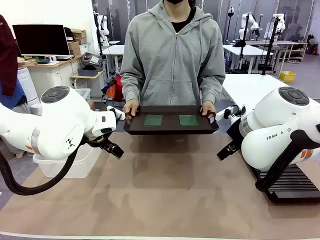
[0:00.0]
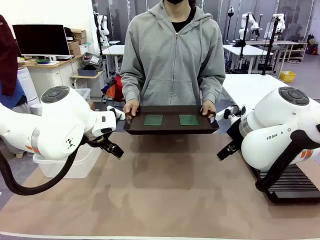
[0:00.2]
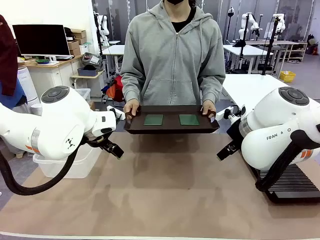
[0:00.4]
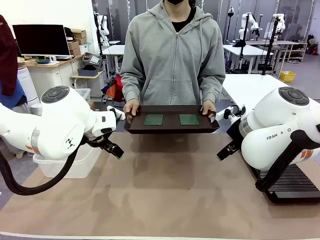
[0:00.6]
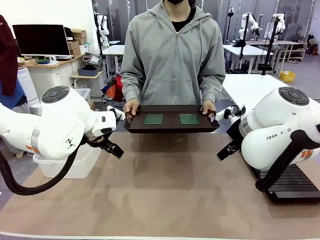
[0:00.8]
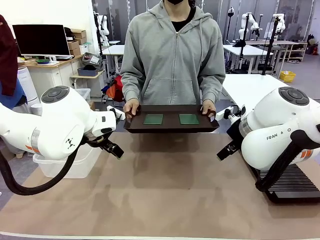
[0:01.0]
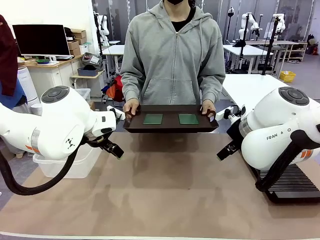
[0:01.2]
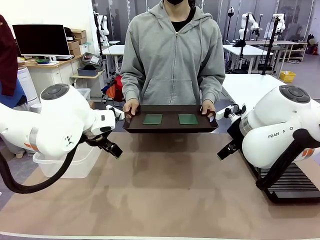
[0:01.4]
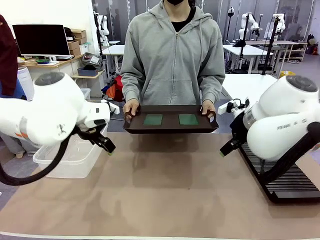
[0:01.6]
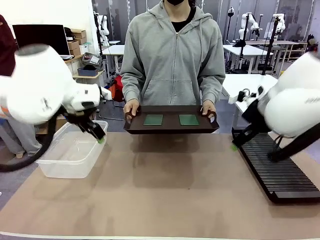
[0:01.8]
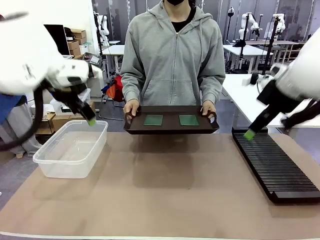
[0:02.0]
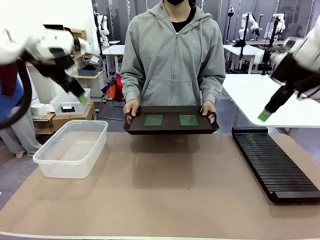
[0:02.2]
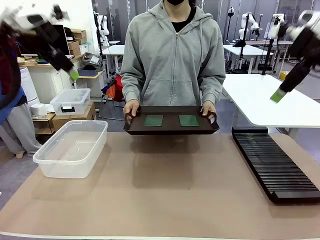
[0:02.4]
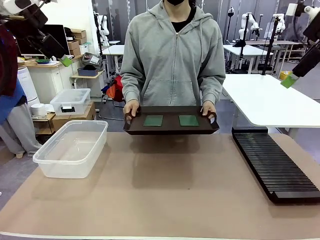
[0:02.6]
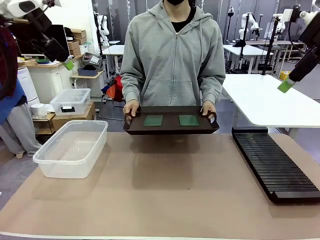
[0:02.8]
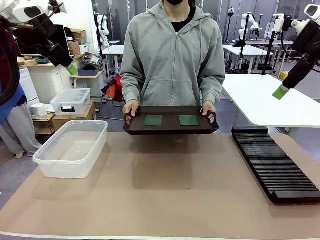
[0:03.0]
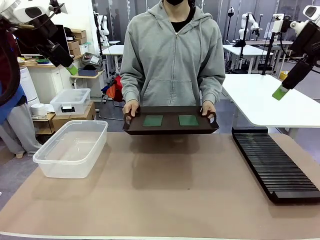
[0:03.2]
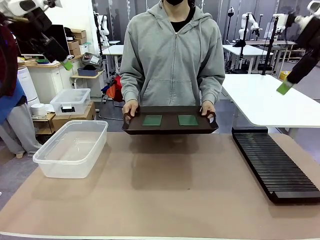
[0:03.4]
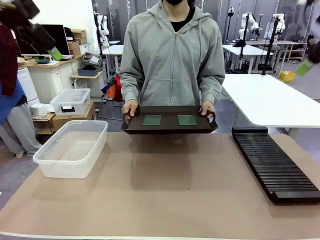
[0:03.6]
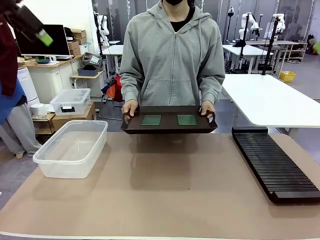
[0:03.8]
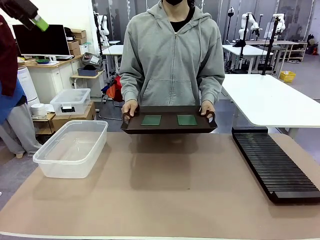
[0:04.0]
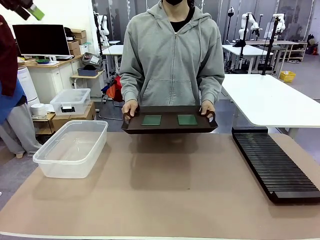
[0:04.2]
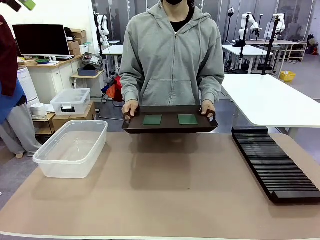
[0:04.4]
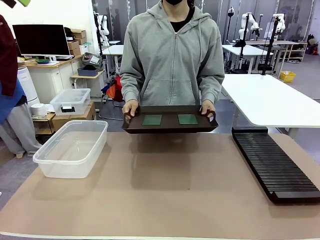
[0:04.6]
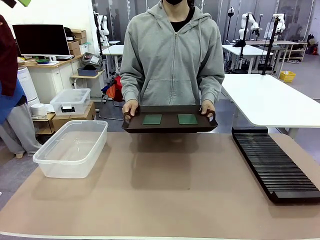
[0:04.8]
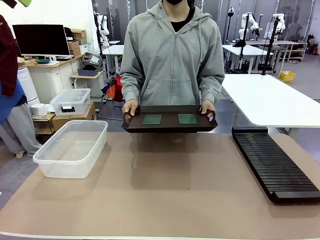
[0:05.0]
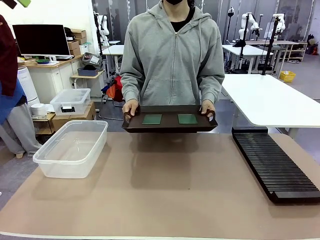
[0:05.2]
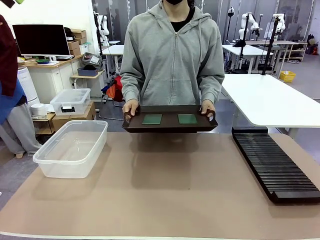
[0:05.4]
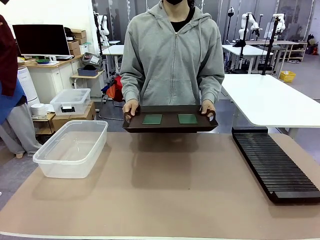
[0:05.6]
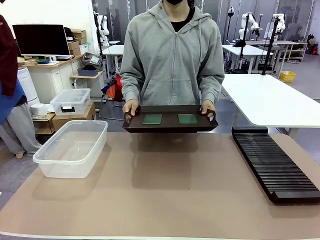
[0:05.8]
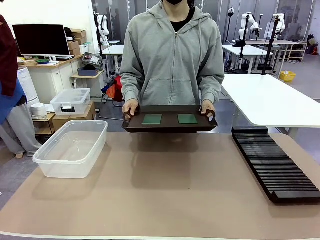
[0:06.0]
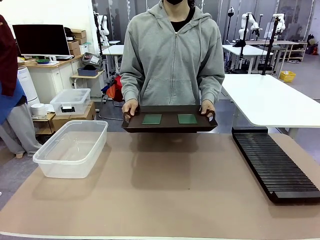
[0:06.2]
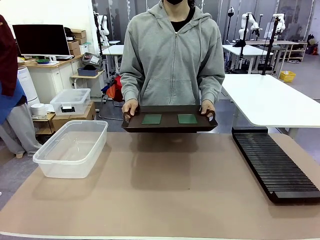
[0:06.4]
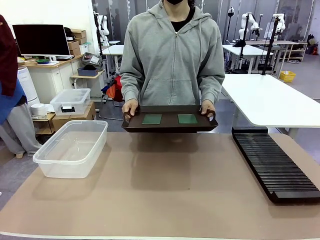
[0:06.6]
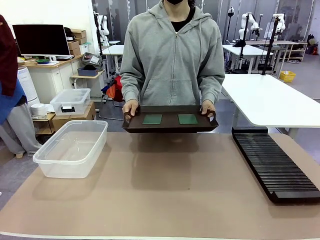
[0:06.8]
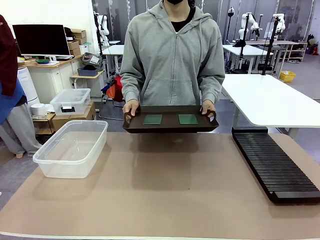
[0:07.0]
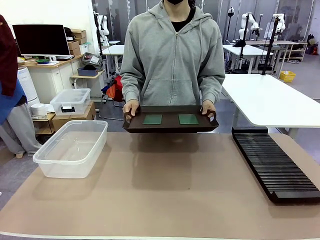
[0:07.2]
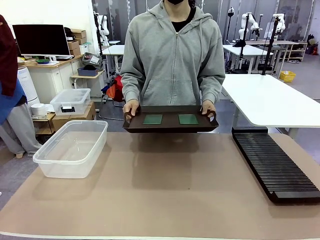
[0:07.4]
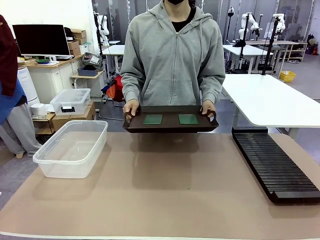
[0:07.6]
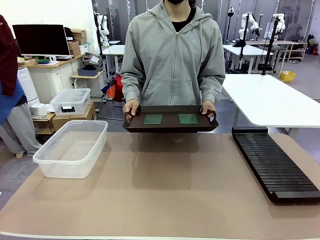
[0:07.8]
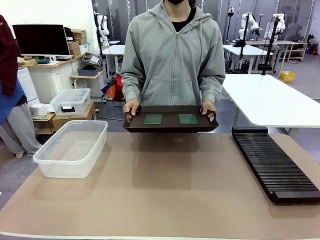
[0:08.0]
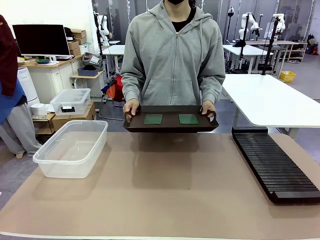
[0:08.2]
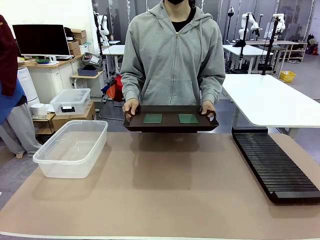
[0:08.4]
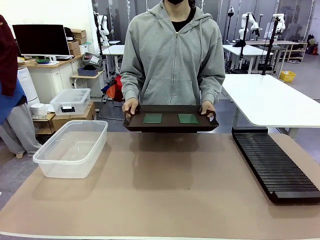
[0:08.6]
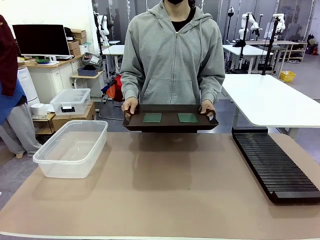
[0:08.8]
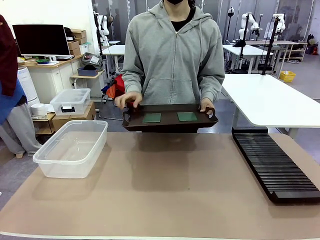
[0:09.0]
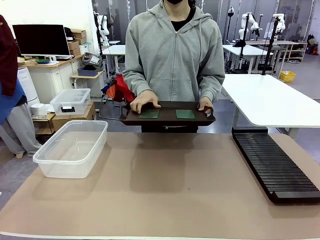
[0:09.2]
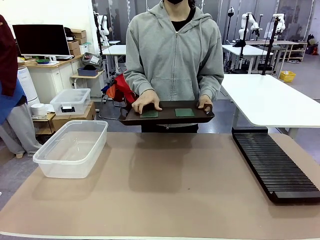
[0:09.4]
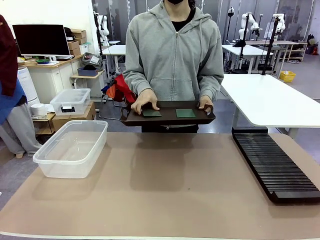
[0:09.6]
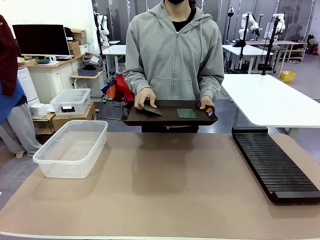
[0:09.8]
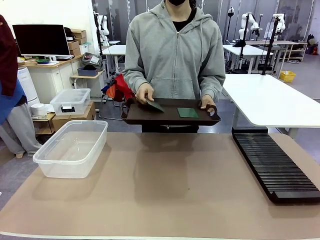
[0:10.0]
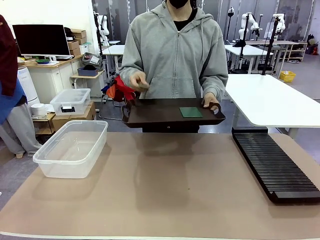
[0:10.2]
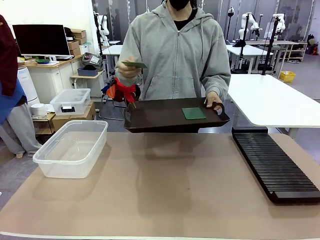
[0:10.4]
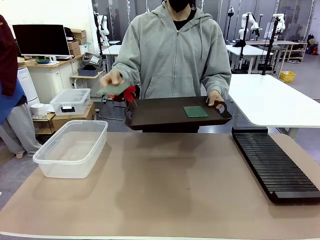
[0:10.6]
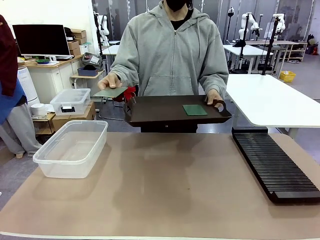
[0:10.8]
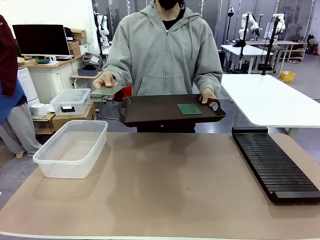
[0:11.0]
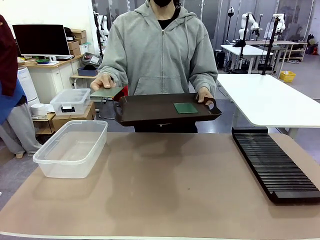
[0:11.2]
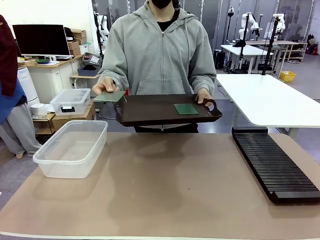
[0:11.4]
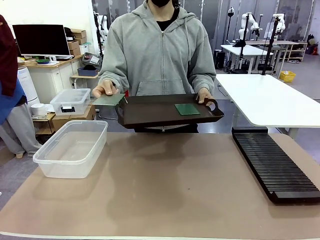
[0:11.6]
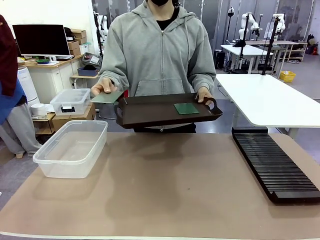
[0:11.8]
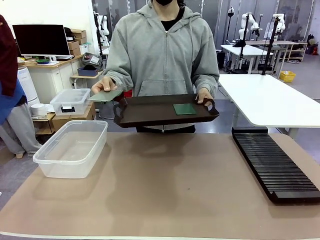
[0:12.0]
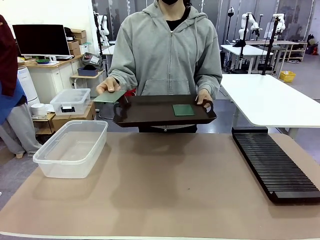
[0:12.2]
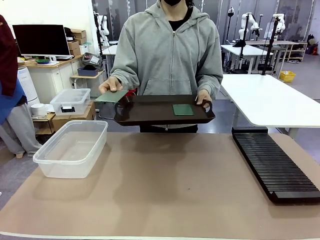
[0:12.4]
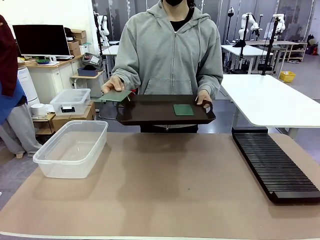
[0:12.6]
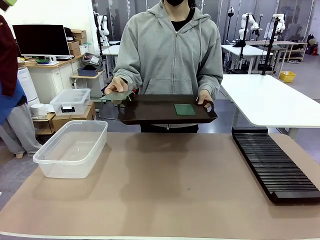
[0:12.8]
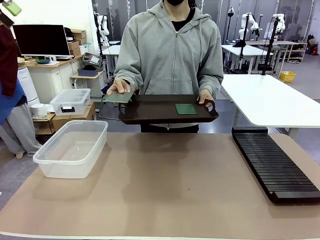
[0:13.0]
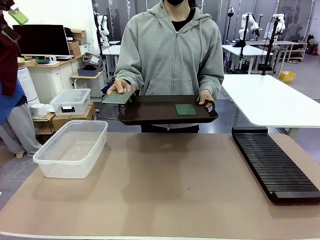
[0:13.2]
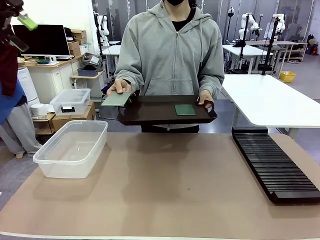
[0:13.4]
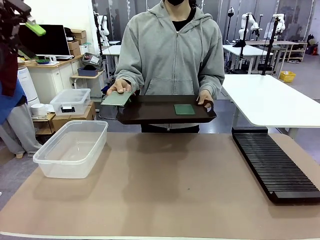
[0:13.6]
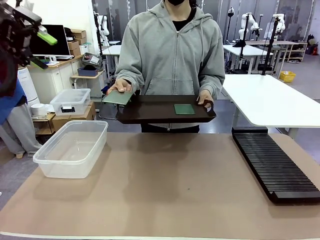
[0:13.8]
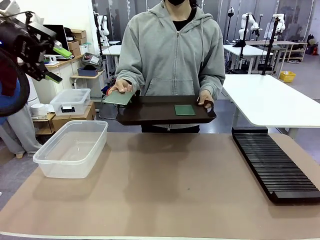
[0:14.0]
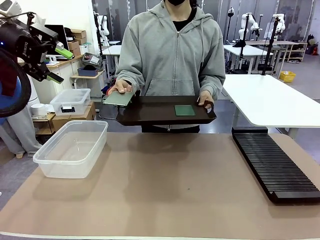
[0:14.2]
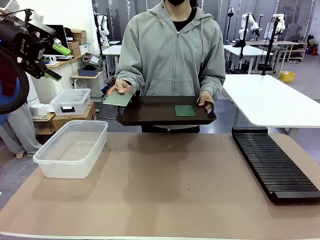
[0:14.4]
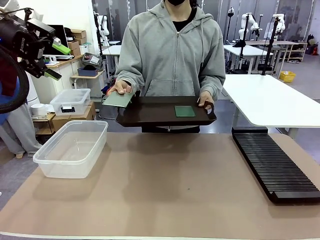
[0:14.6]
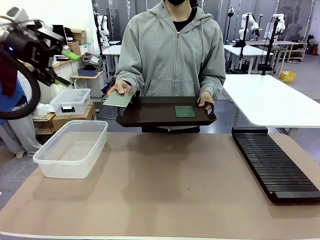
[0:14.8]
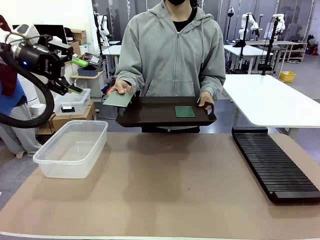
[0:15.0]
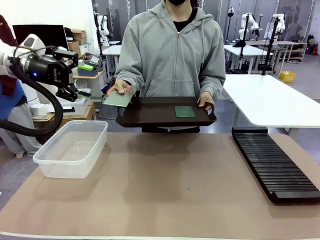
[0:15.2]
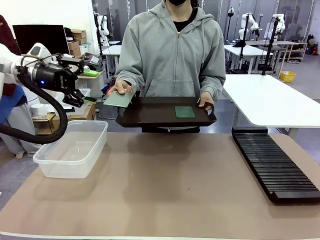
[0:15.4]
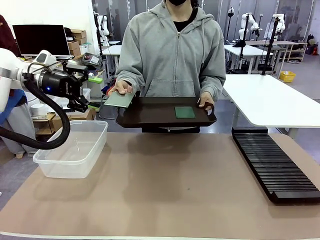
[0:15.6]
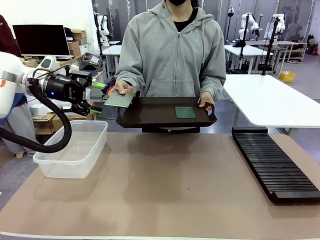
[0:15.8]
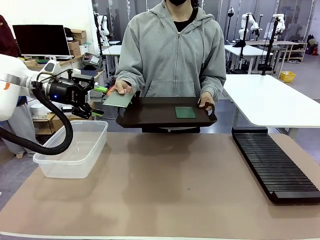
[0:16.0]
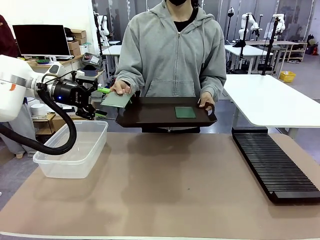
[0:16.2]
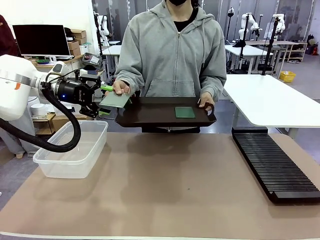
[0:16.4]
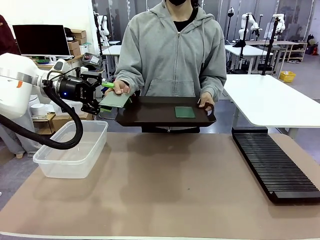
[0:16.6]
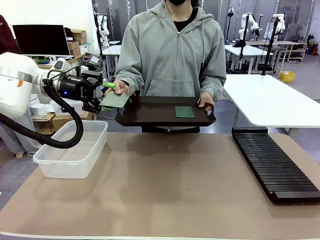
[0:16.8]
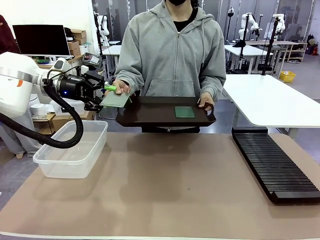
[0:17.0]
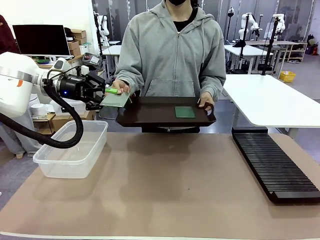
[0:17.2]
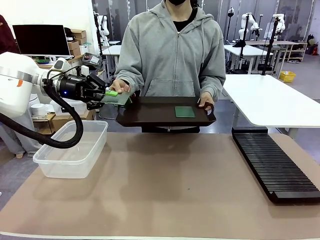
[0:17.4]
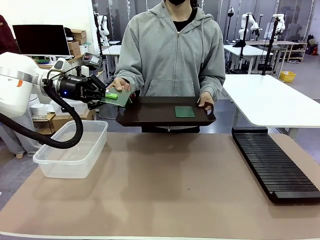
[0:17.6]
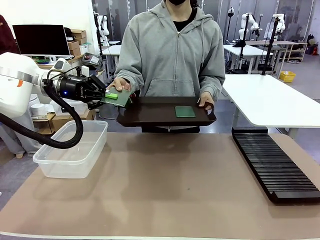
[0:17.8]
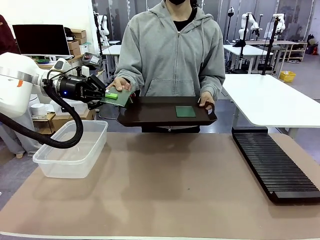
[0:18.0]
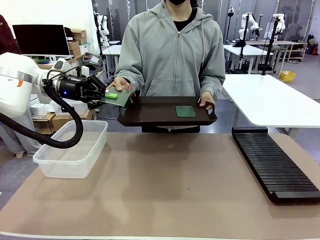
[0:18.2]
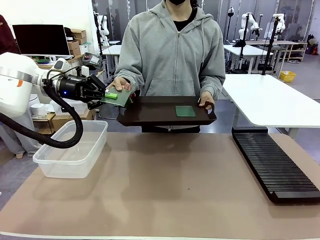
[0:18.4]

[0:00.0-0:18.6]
Task: Sort PCBs into racks and boxes based on the side picked up.
Robot: Pick up the Blank PCB handed by the Human.
Person: Pick one PCB from the tray and present it to the robot. Release the PCB being held.
